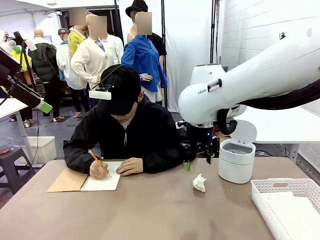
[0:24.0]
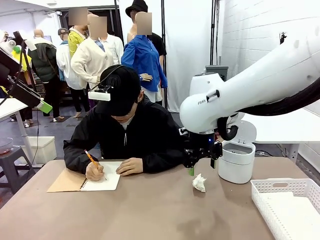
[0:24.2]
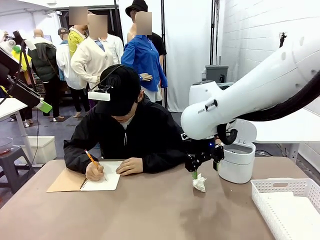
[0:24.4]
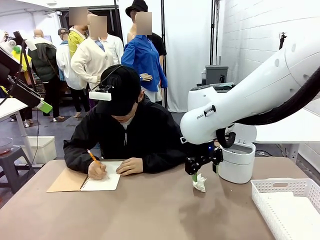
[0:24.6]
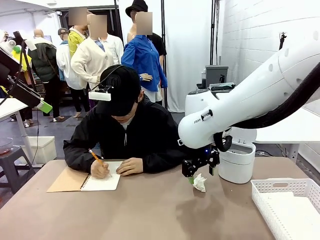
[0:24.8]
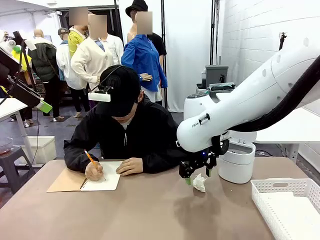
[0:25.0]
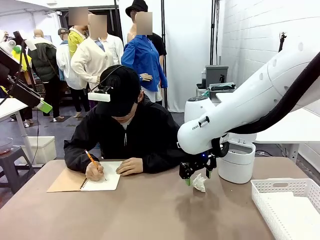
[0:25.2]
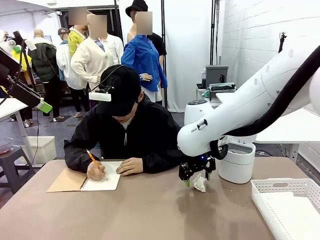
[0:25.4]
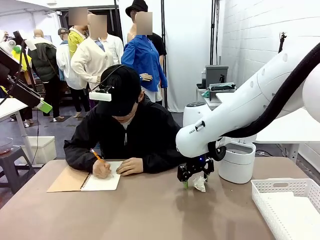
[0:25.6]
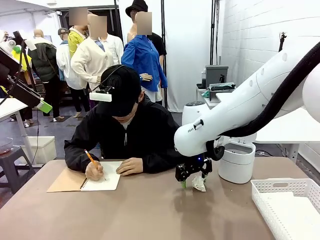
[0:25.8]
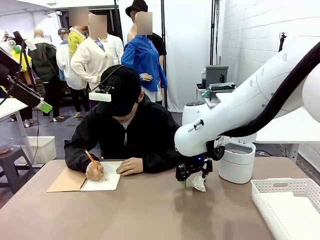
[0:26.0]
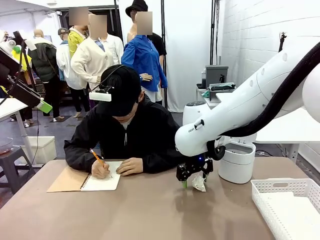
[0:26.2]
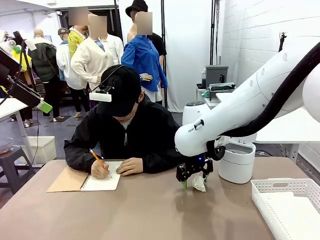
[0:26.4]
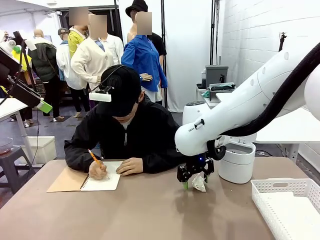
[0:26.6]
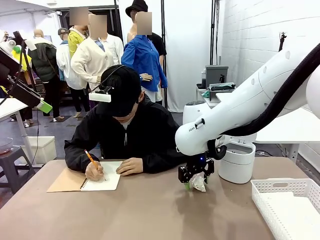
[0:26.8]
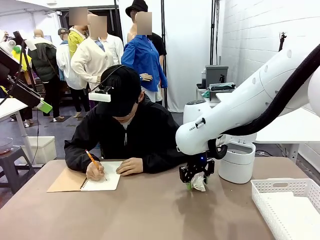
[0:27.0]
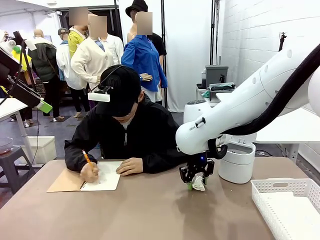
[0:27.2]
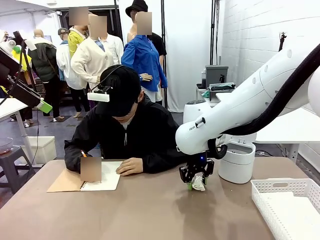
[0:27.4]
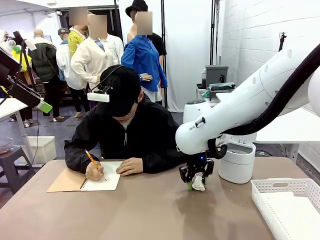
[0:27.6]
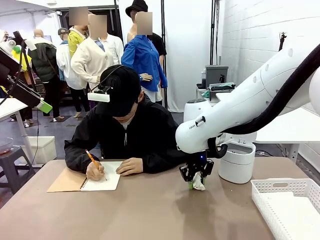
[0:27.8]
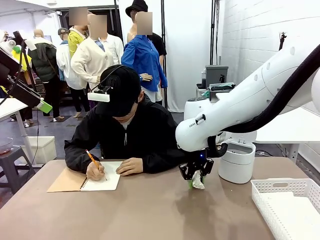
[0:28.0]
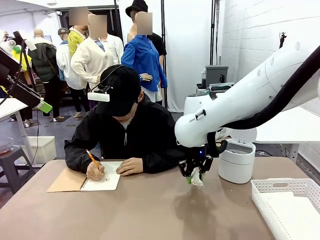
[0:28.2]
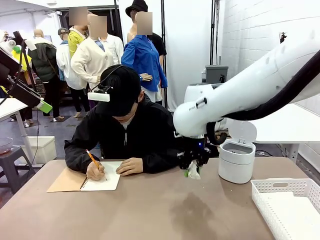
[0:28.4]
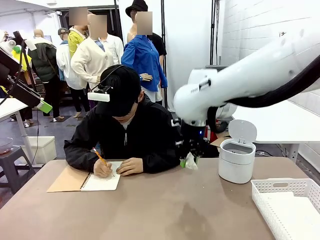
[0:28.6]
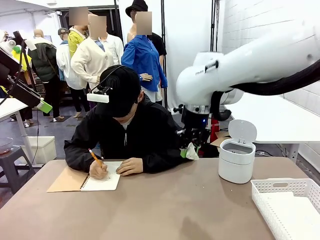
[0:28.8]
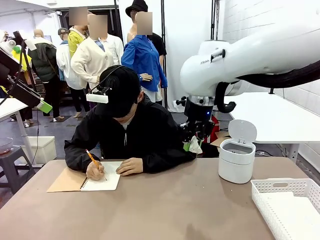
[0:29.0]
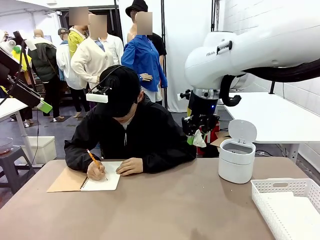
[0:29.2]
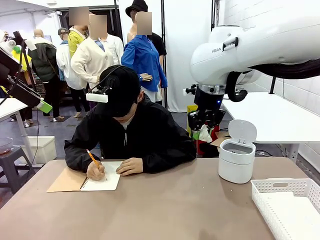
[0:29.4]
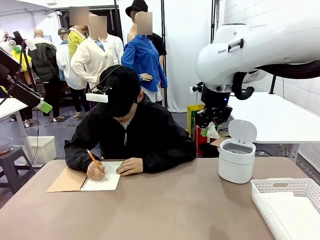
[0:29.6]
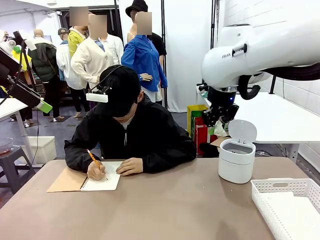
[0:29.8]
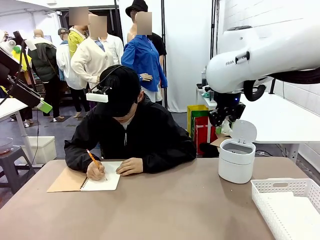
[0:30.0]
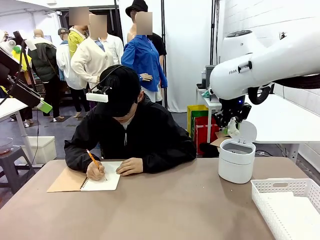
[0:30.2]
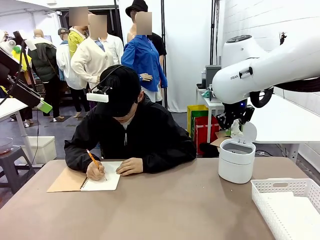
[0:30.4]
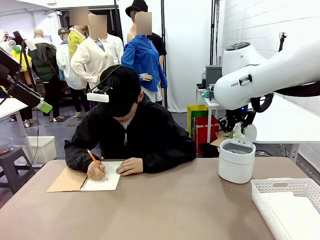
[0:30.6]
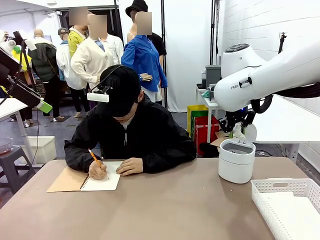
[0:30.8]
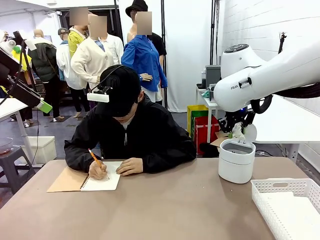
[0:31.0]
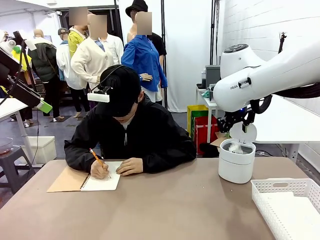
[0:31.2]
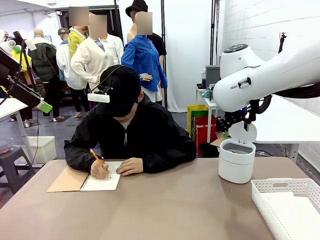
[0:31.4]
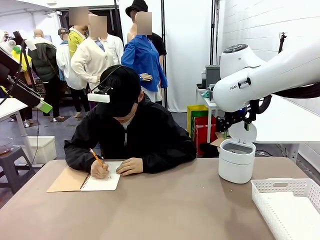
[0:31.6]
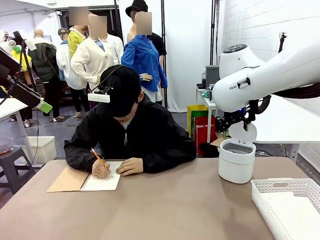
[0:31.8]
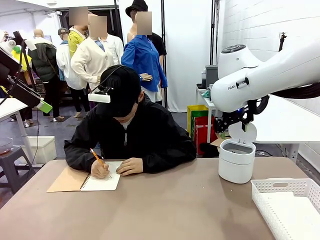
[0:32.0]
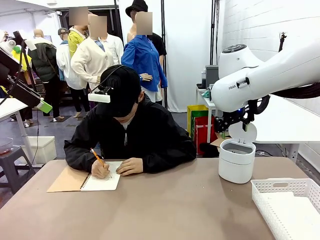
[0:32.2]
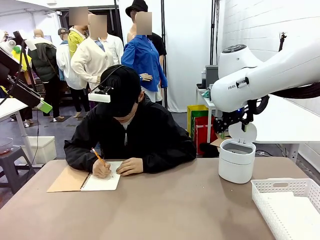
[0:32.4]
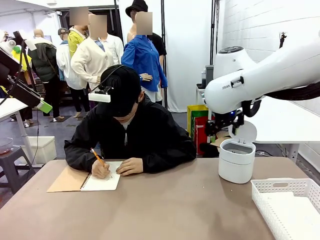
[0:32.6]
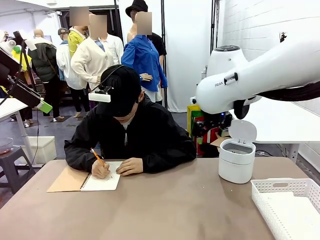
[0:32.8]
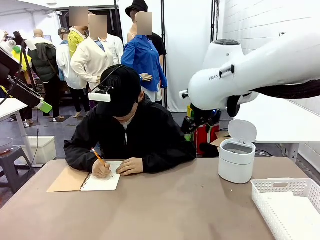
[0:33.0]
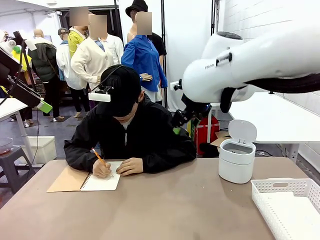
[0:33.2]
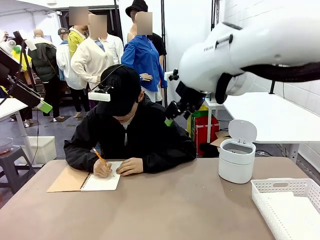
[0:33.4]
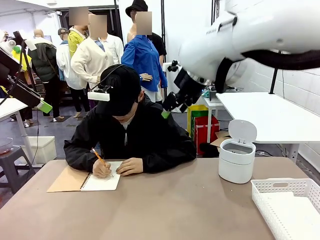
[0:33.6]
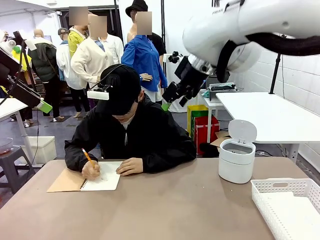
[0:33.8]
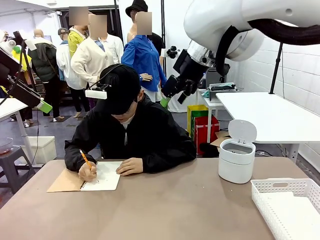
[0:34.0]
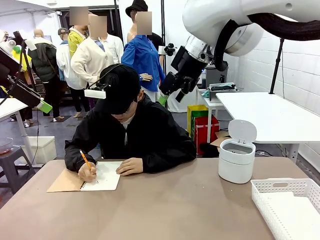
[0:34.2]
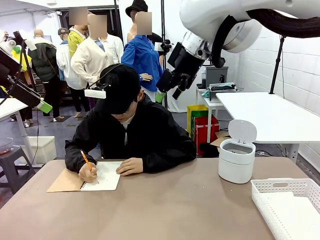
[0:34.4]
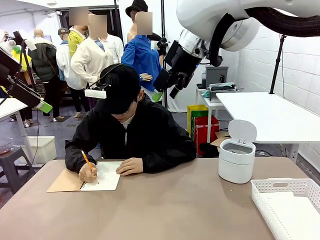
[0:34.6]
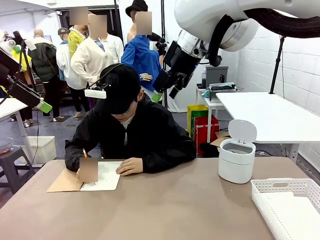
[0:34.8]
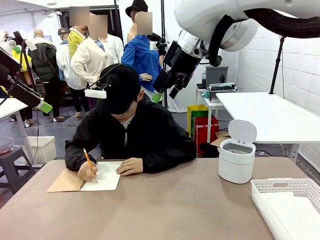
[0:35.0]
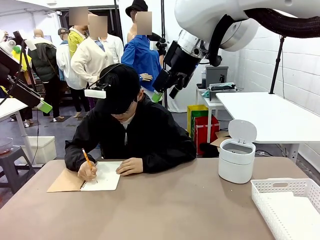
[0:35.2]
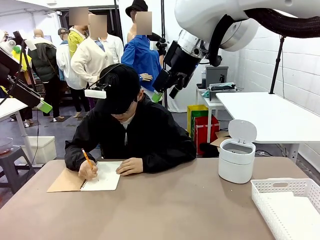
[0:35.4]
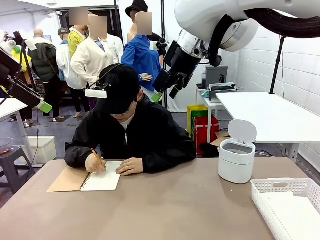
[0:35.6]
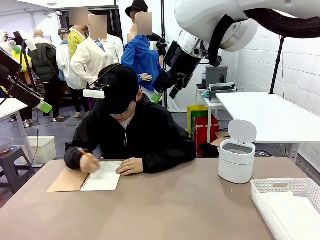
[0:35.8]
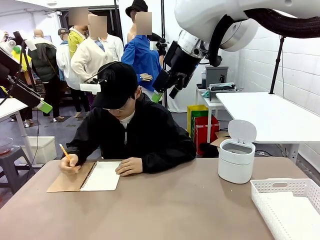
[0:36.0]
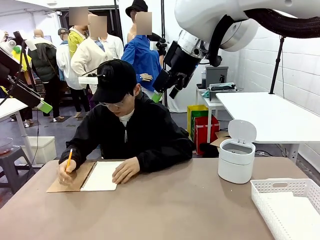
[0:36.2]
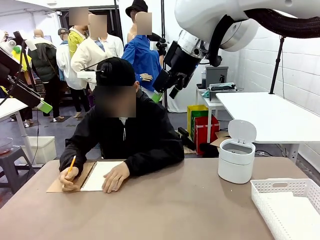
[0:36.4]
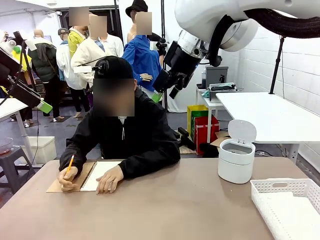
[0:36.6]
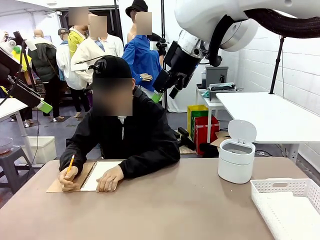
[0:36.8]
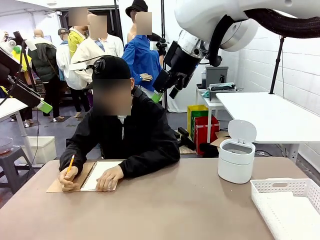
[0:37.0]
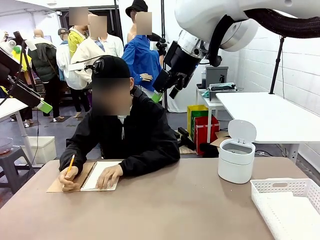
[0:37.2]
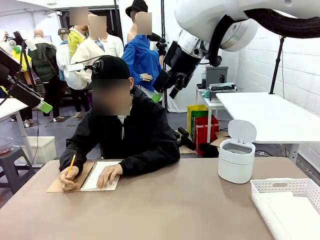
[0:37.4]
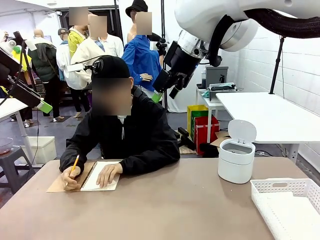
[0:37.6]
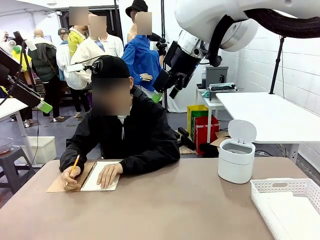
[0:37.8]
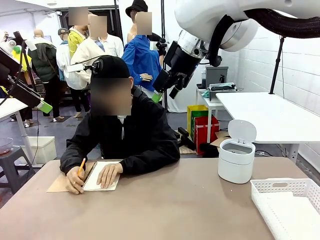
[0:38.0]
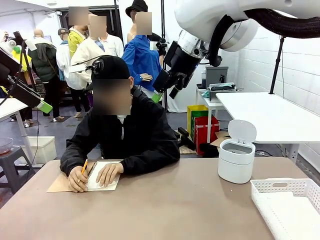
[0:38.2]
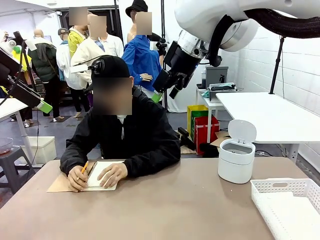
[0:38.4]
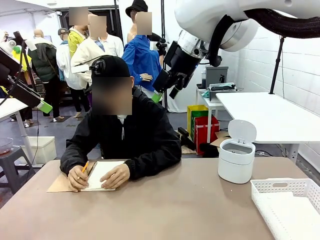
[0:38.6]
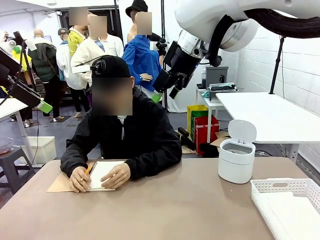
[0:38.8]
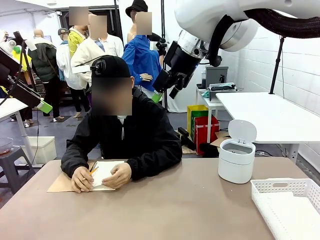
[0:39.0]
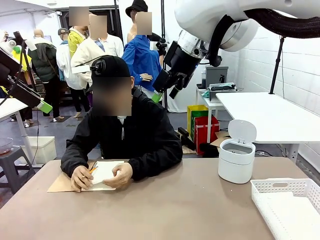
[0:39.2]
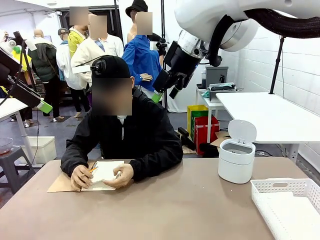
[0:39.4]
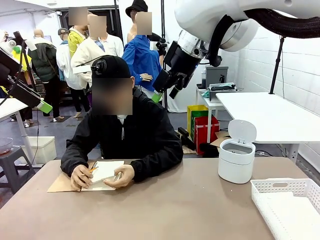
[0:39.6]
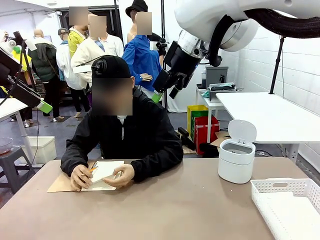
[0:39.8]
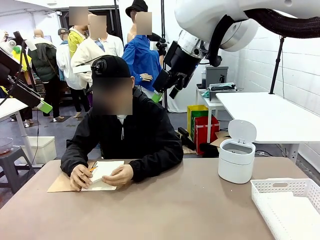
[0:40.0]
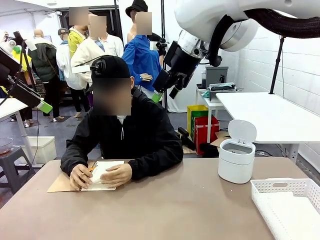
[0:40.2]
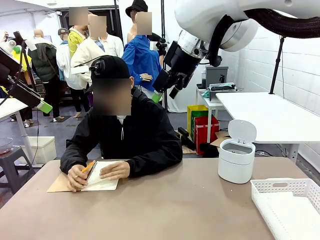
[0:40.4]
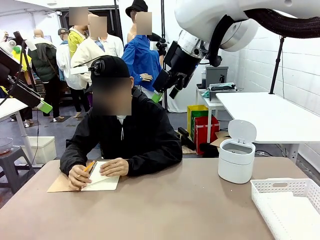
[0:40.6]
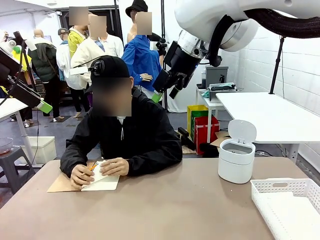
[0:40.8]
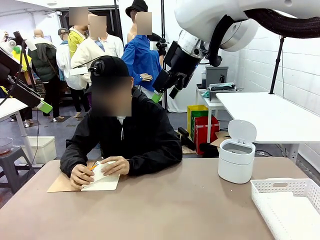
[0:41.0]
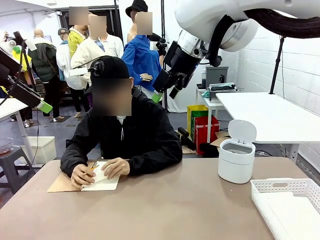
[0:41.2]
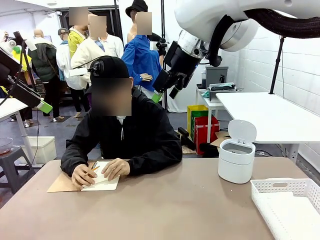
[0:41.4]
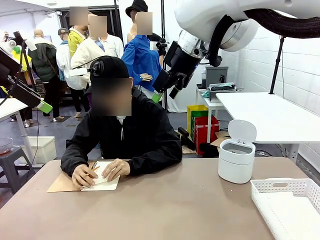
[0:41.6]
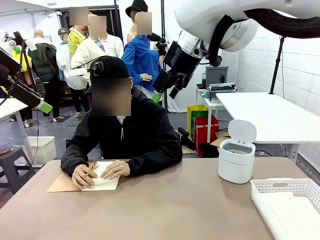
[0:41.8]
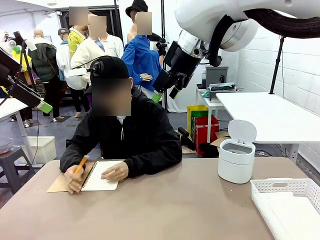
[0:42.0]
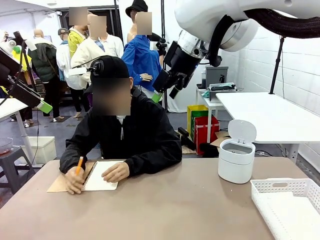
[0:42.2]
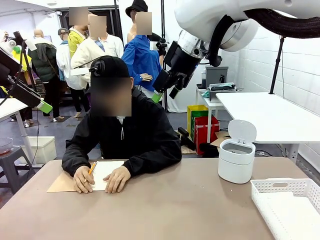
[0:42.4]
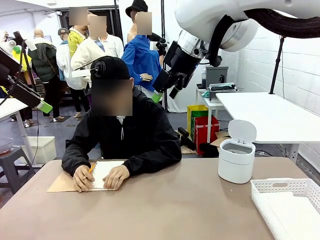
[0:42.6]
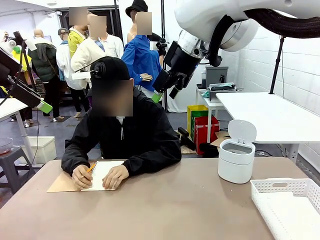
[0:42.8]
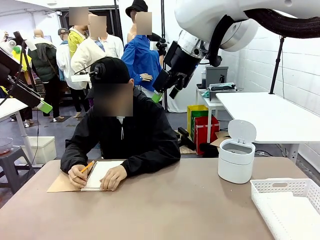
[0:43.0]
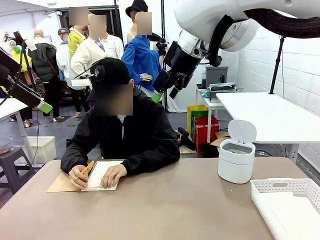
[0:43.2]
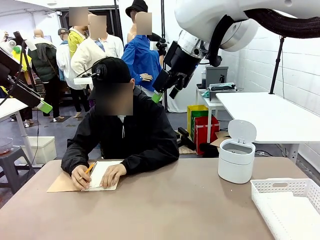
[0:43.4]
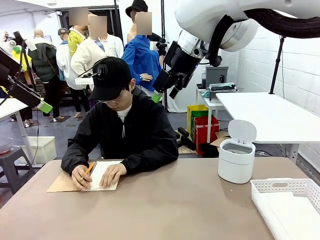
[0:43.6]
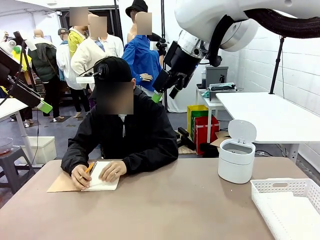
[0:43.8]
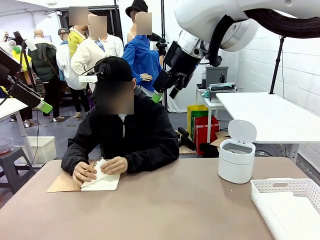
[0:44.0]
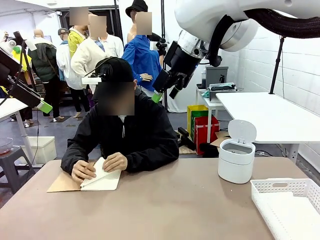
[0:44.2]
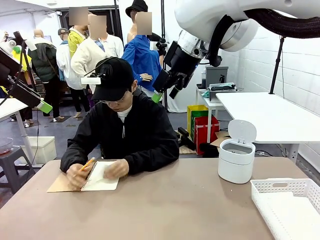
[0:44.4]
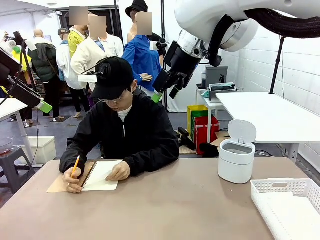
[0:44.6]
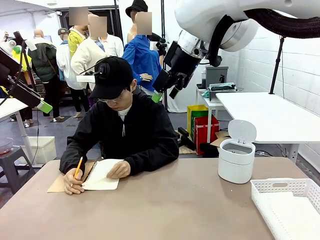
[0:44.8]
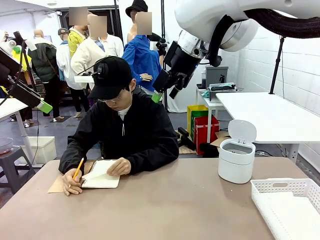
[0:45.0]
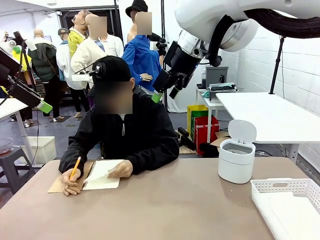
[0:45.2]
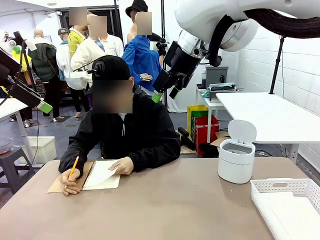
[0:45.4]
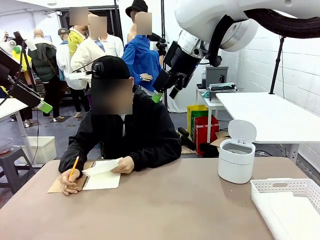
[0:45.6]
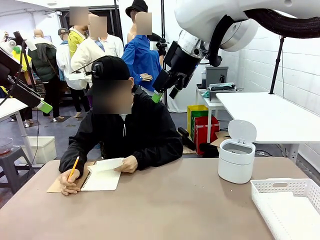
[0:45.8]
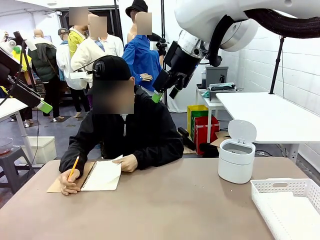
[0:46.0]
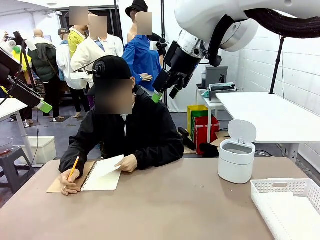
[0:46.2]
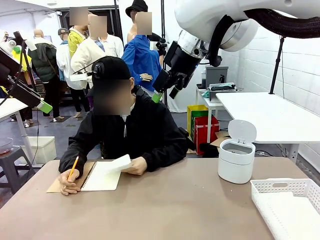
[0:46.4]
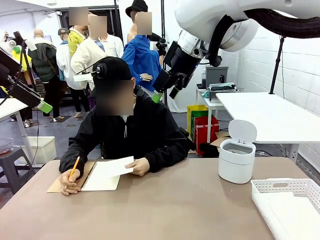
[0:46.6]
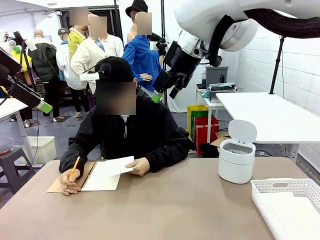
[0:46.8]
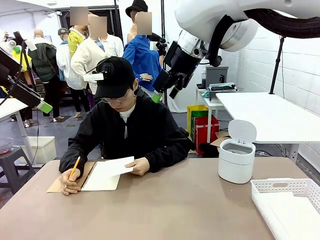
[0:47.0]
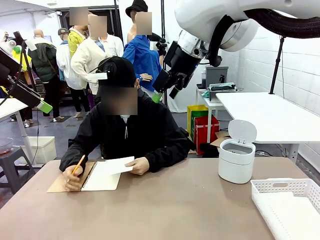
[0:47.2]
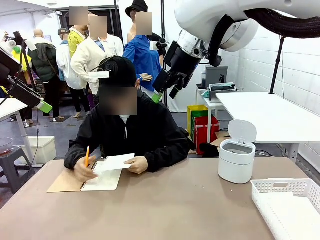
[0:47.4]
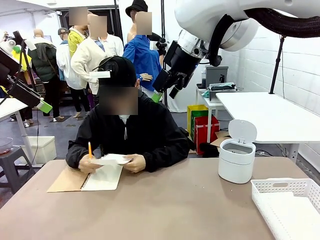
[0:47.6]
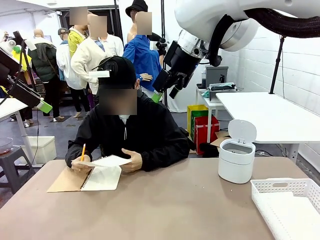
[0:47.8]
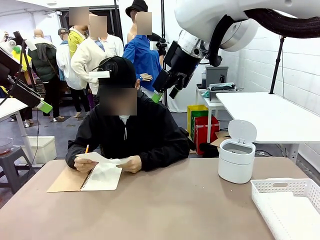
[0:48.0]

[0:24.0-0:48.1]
Task: Sort the paper based on its condition.
Robot: If a person hands you a paper, place it in the Organizing basket , and if it's crumpled, put it in the Trash can.
Person: Tear out a page from the spiral notebook. Hand the torn page to the robot or crumple it and throw it to the center of the table.
